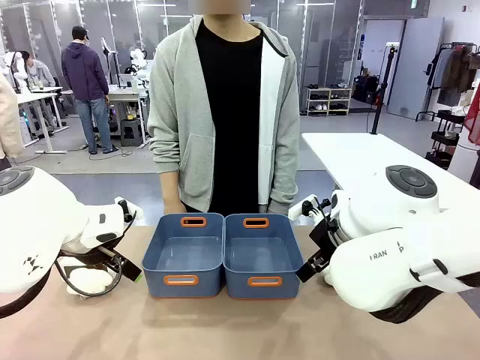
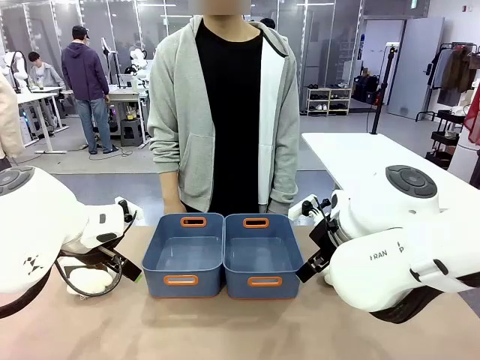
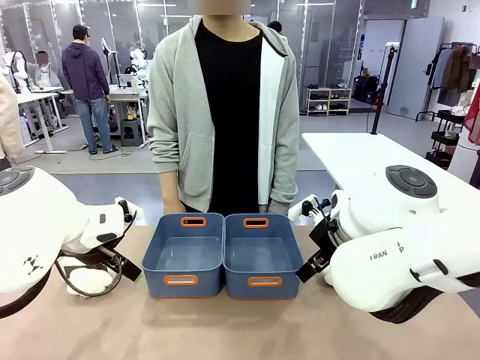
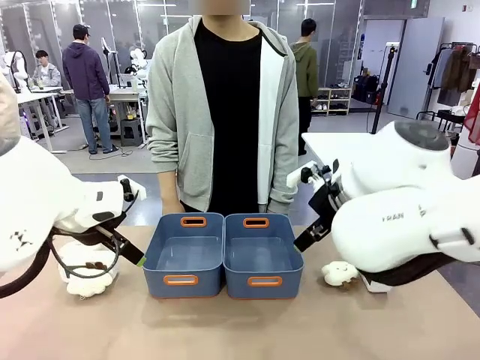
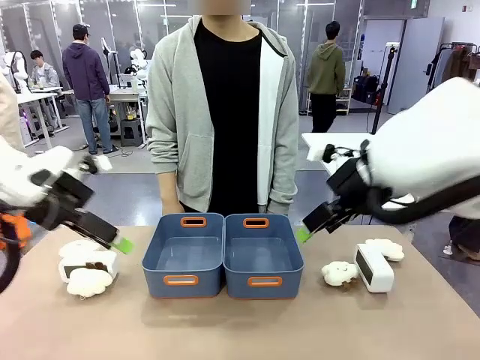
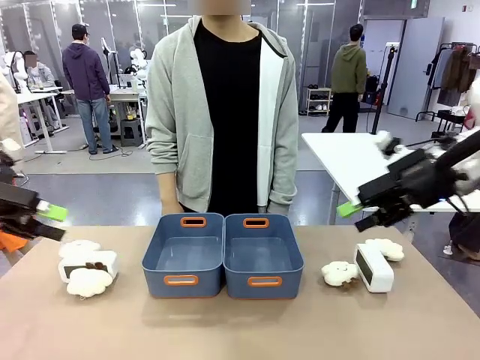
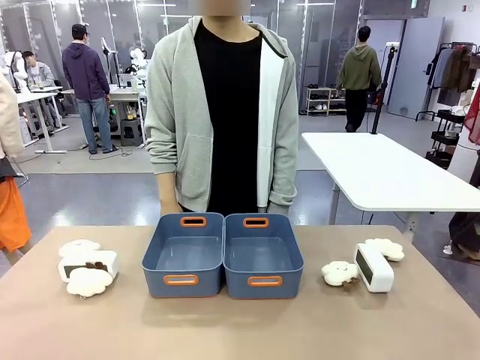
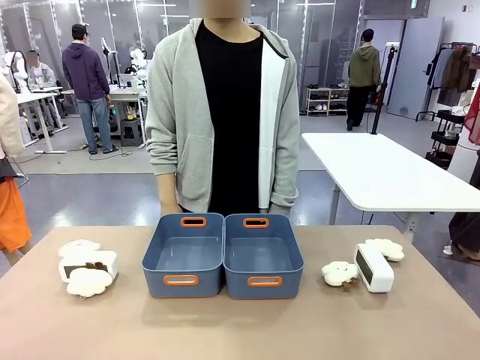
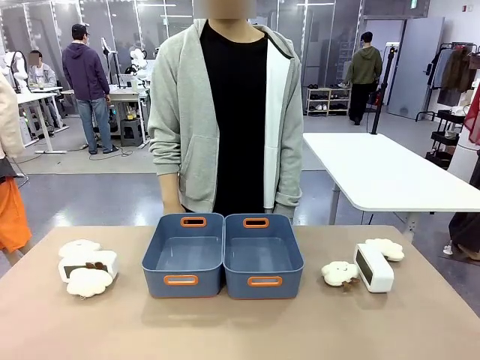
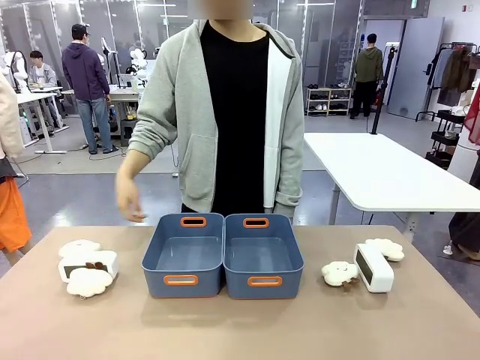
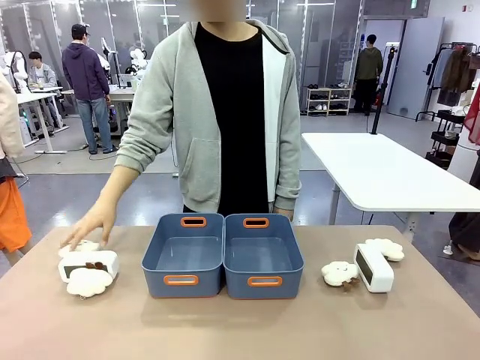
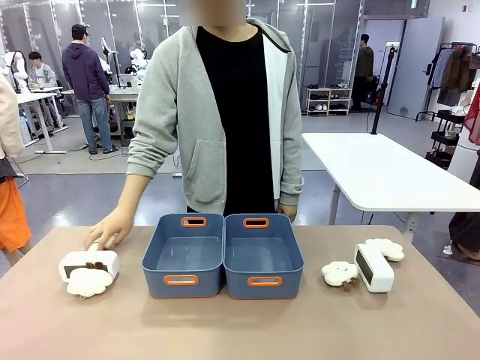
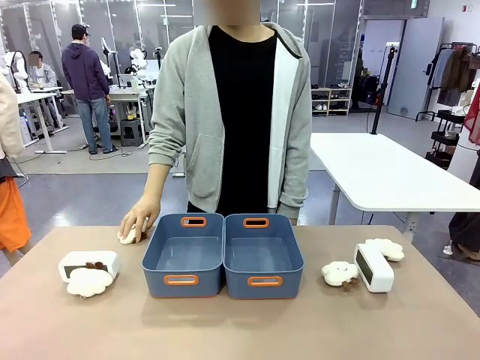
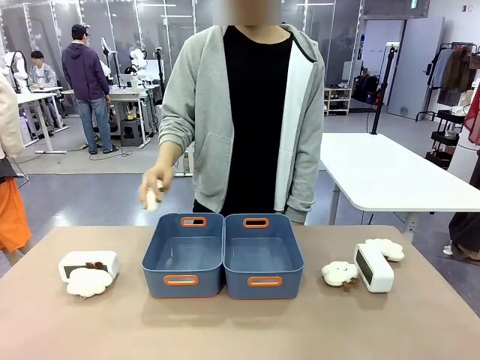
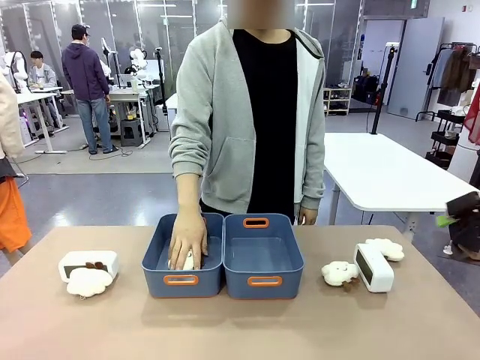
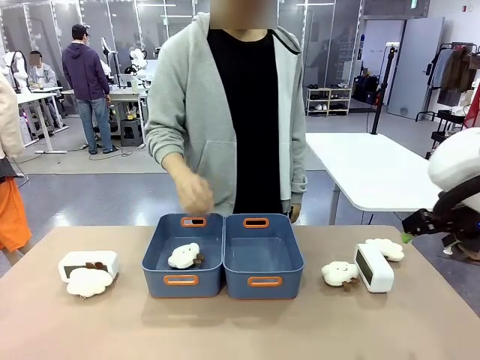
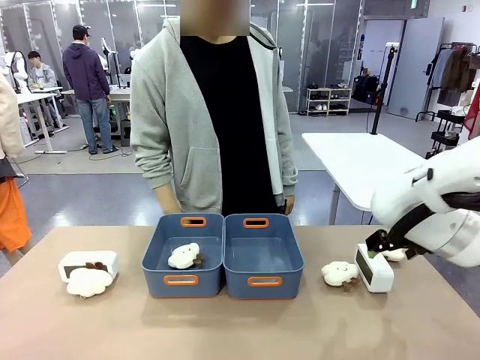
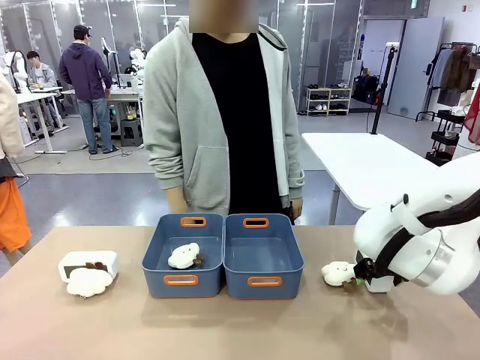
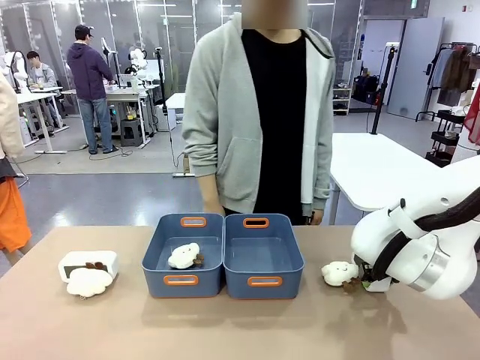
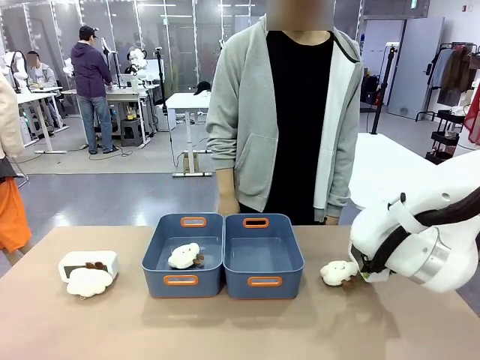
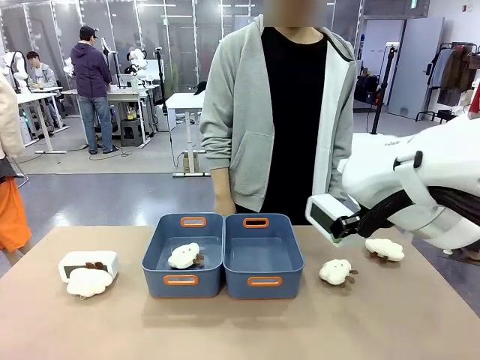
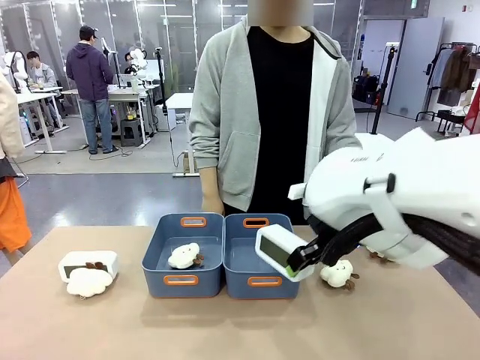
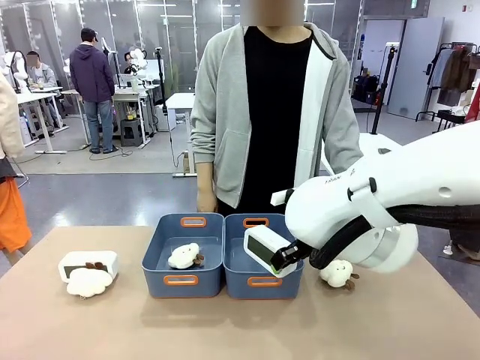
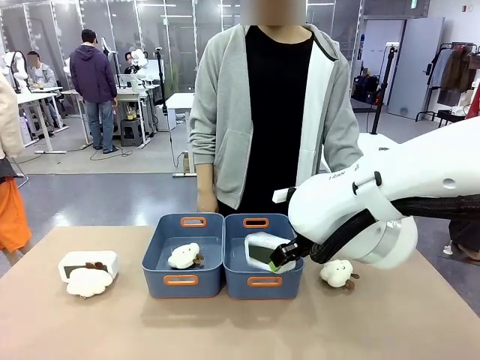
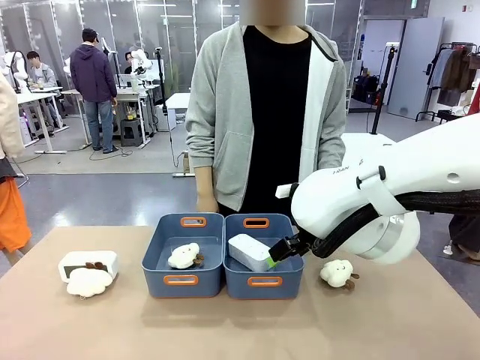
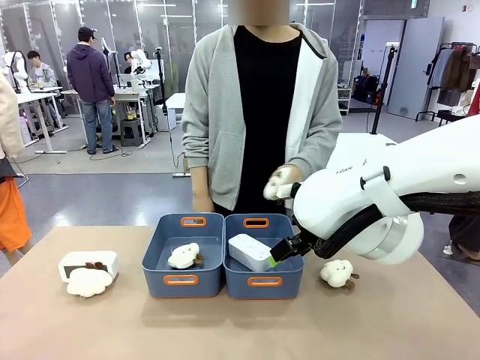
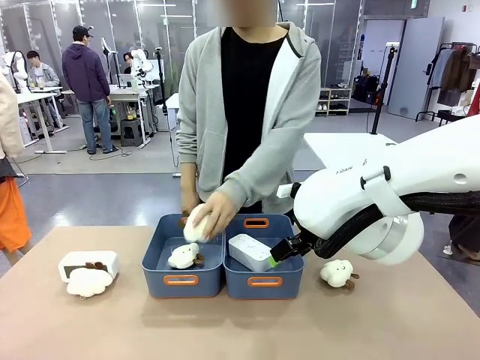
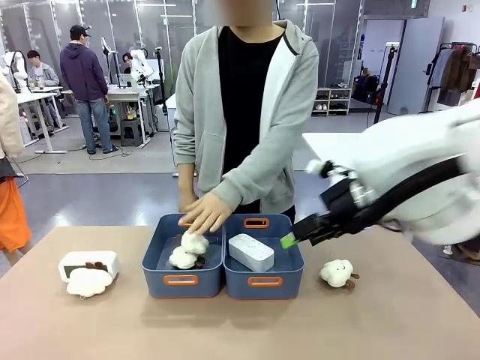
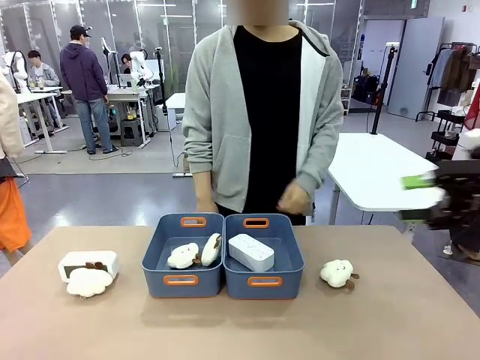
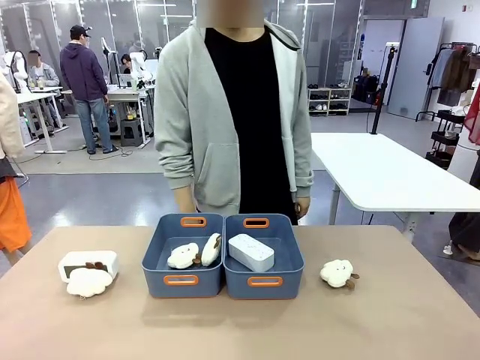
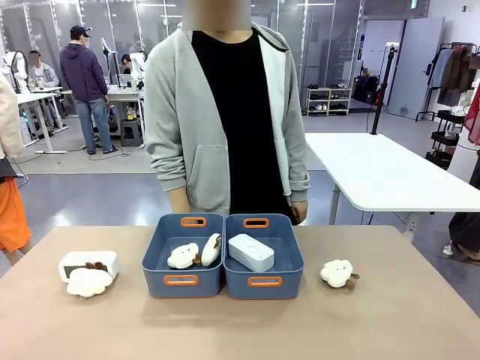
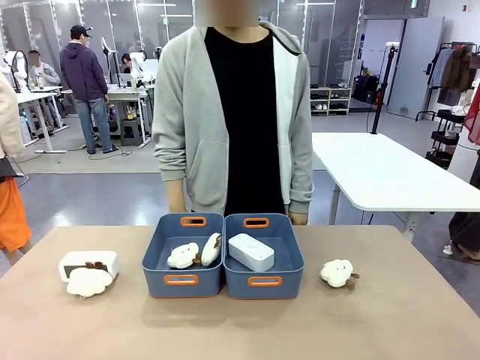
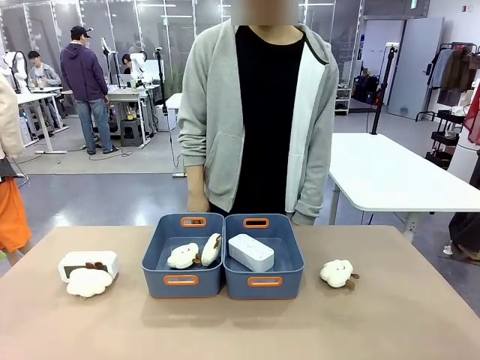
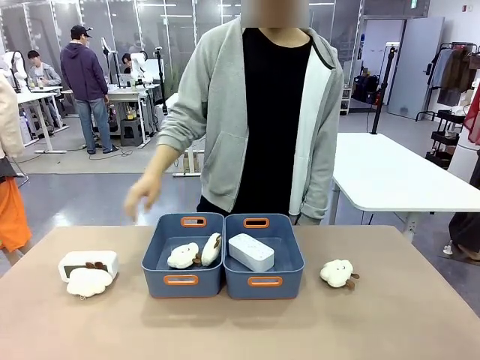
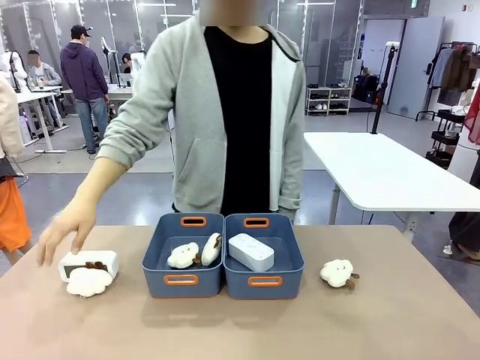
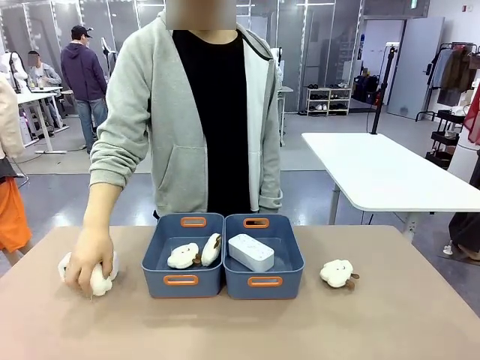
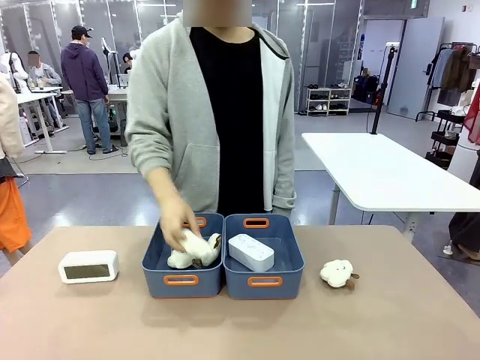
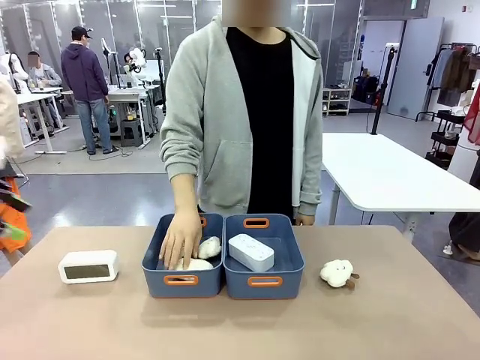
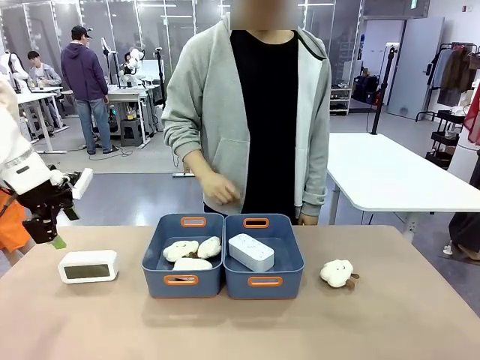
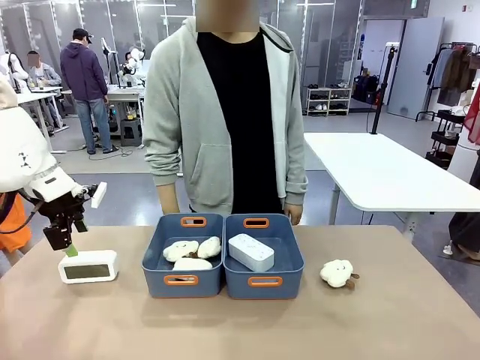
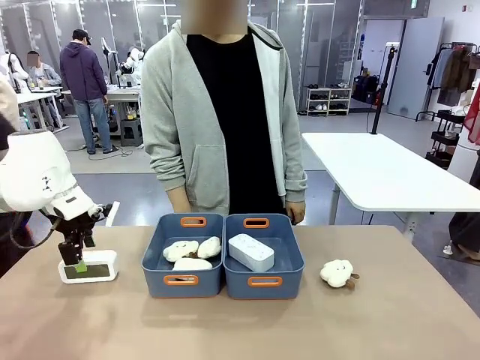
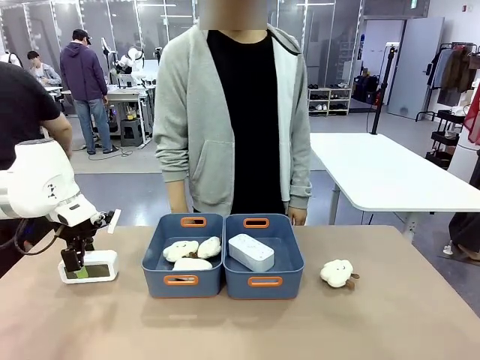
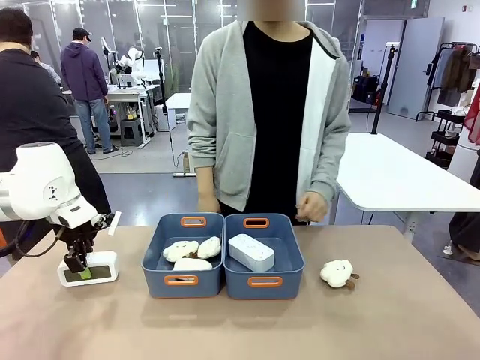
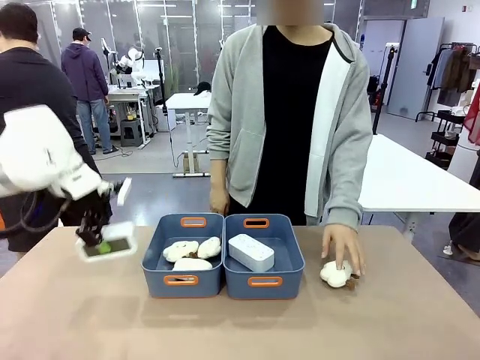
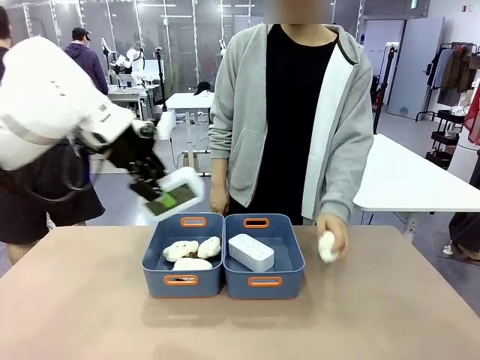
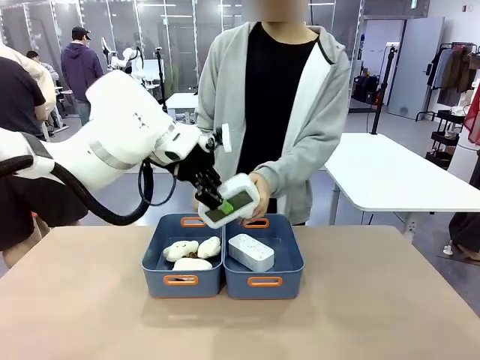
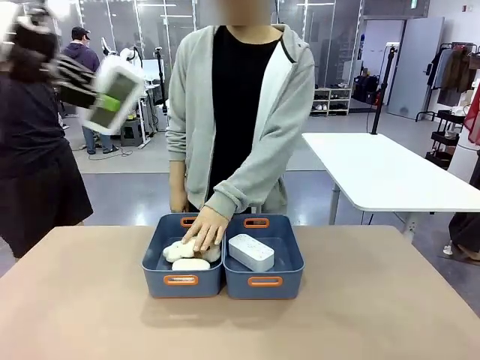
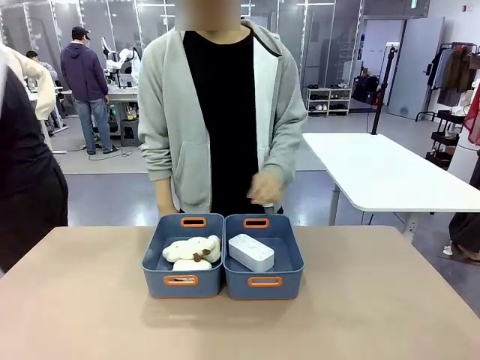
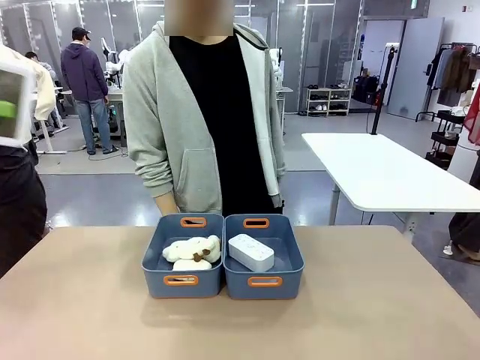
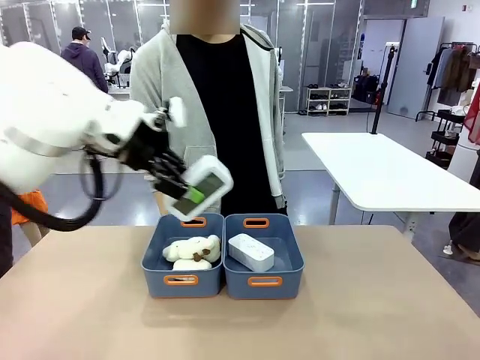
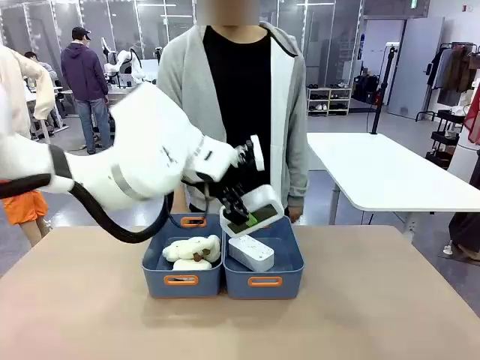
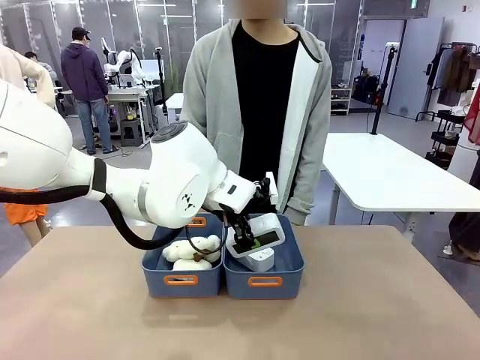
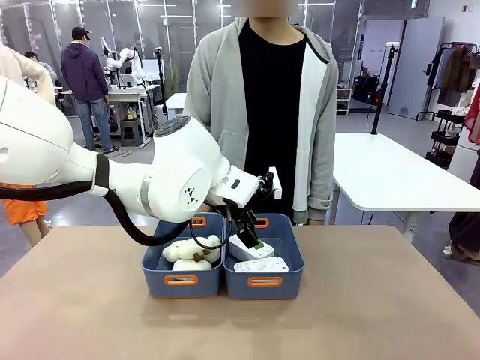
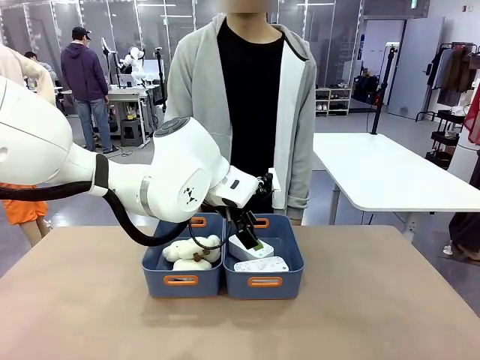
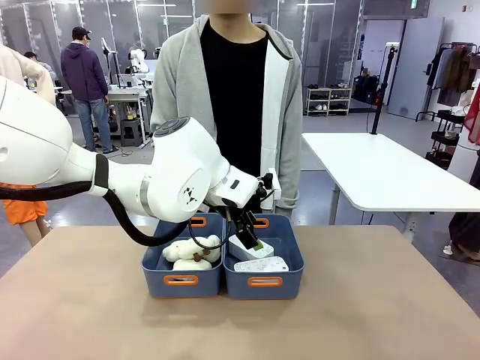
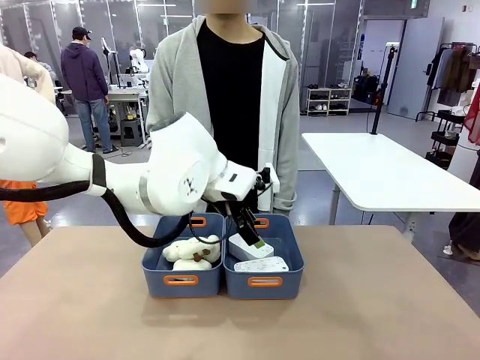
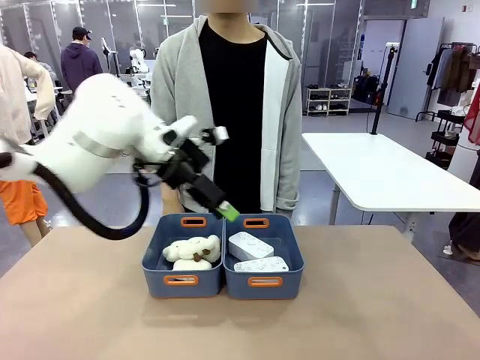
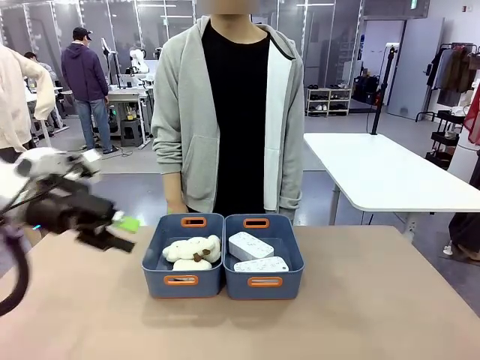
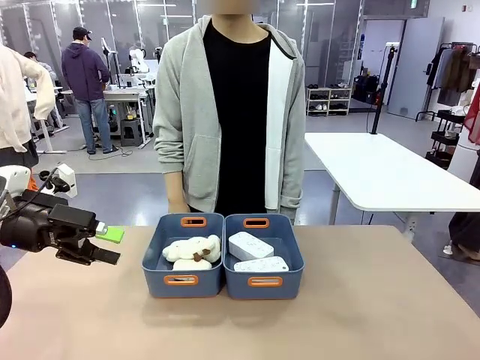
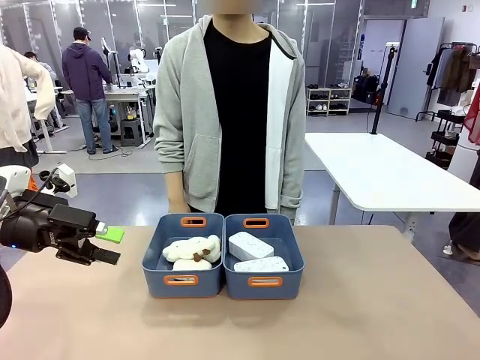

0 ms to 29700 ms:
Task: Sort the digital clocks into the basket.
Robot: Pick up the Digital clock from the table and place it into the empty Plastic storage basket.
Person: Pick up a plush toy from the table and place it in a plastic storage basket. Pick up a plush toy from the table and place it in the plastic storage basket containing the plush toy.
